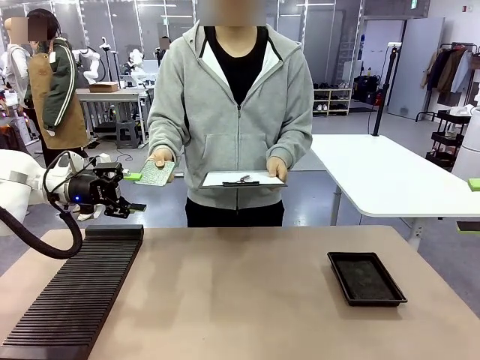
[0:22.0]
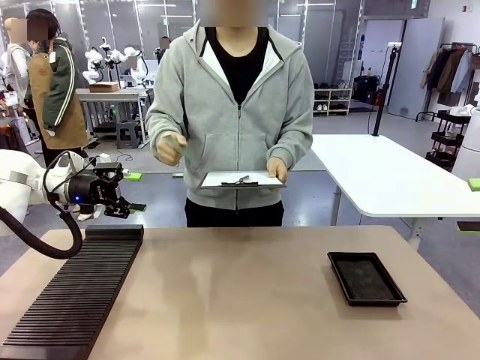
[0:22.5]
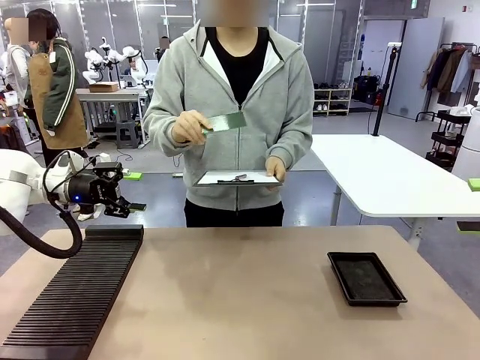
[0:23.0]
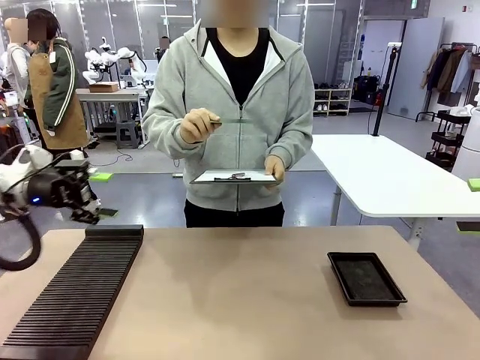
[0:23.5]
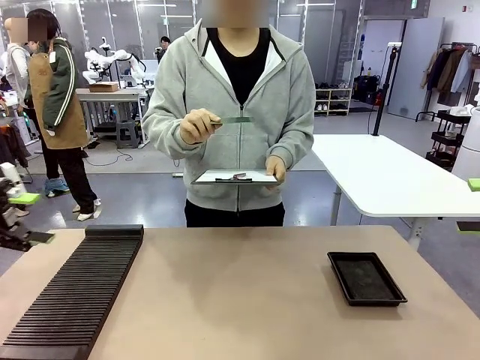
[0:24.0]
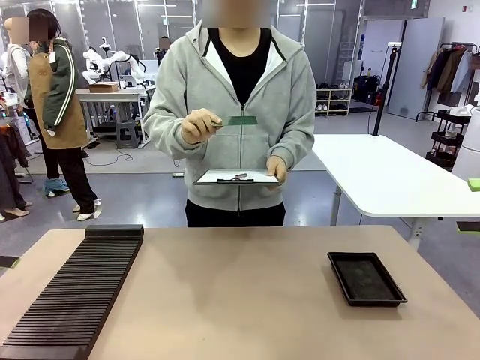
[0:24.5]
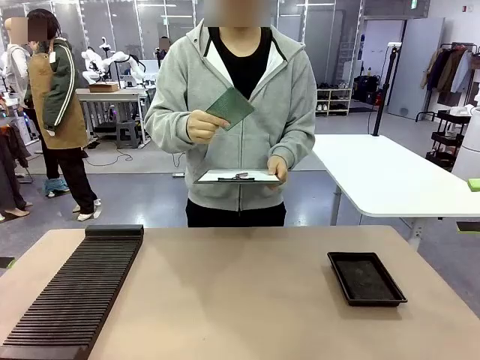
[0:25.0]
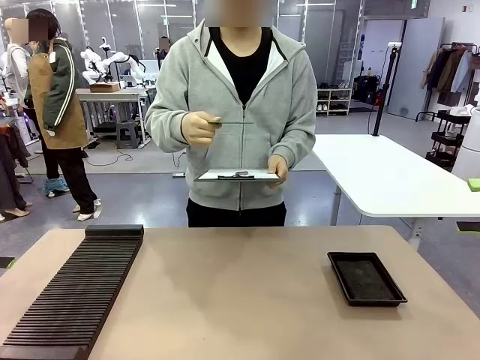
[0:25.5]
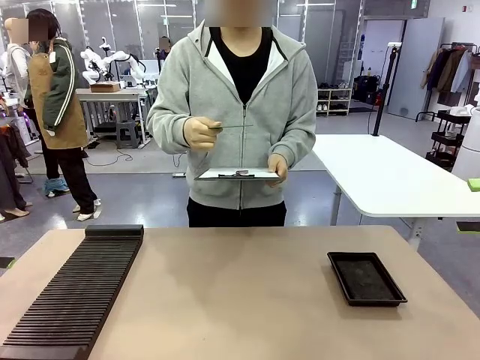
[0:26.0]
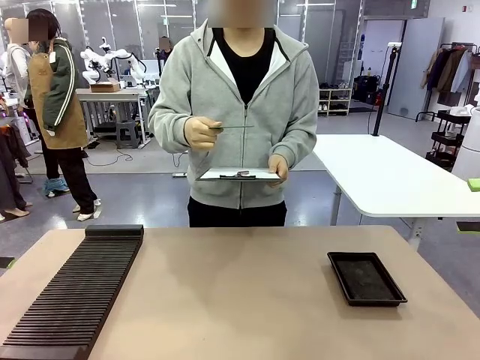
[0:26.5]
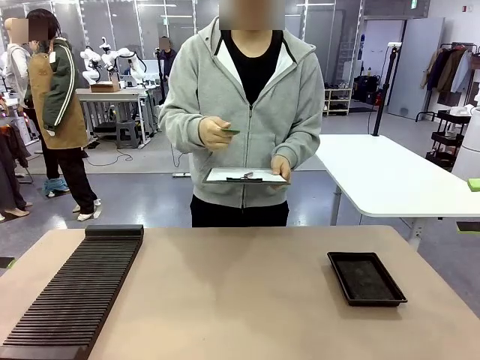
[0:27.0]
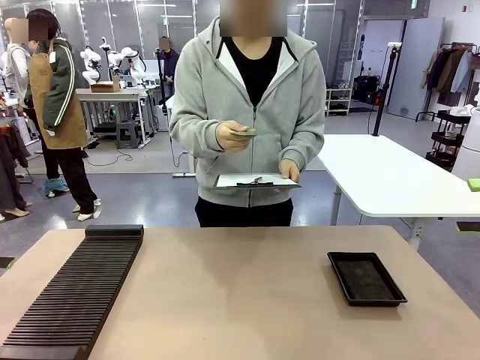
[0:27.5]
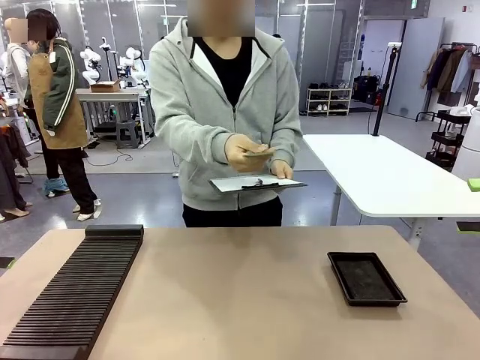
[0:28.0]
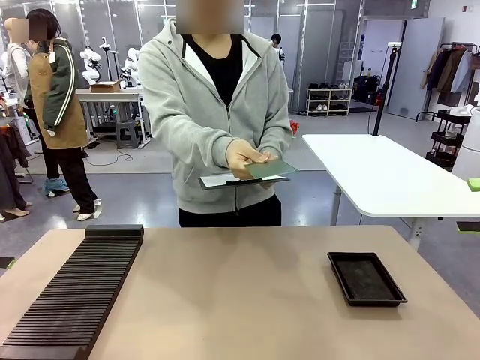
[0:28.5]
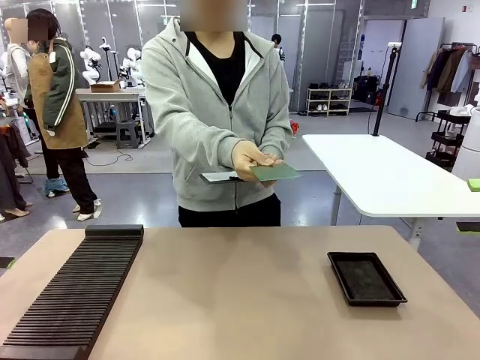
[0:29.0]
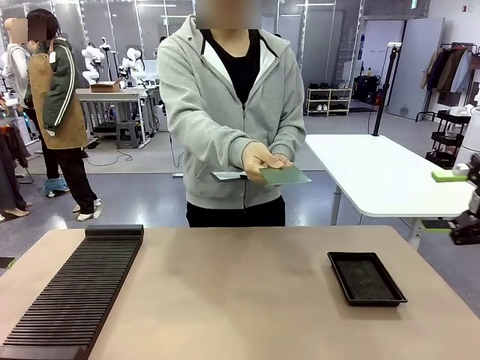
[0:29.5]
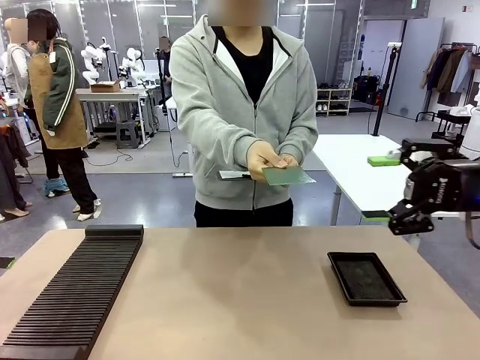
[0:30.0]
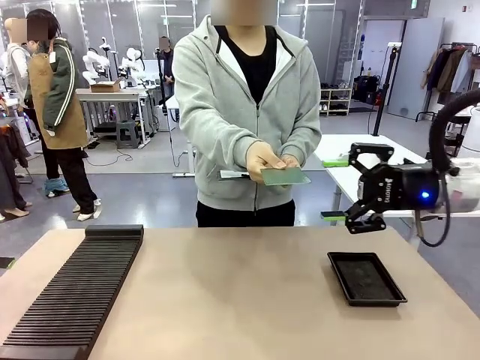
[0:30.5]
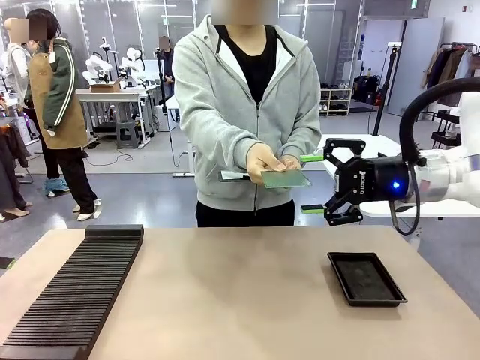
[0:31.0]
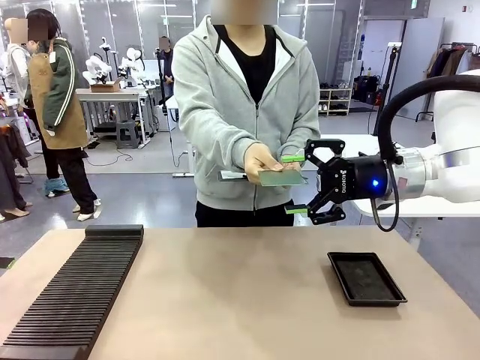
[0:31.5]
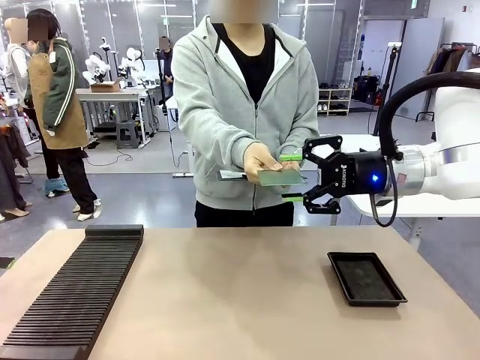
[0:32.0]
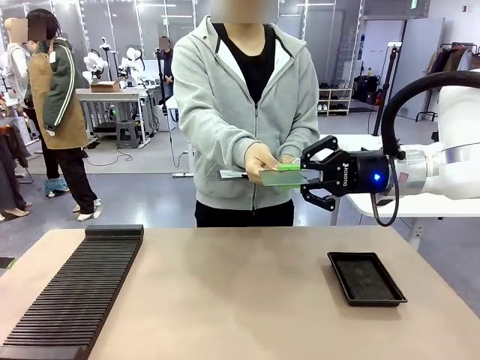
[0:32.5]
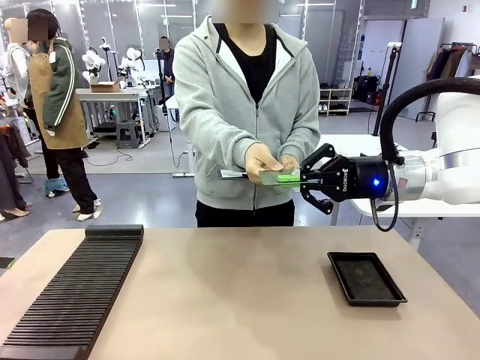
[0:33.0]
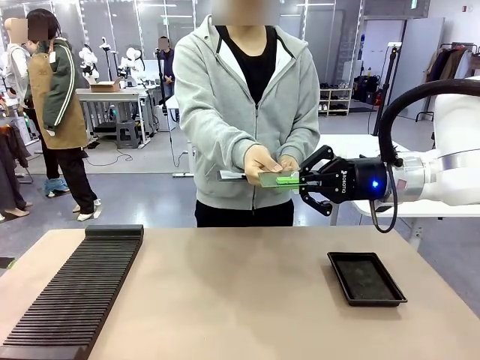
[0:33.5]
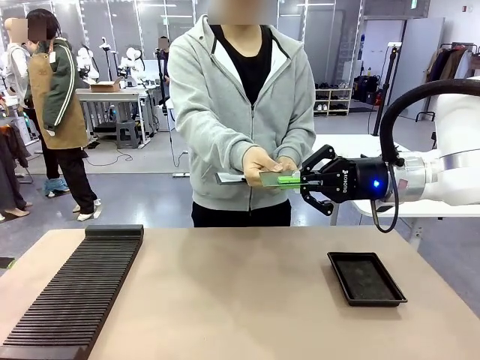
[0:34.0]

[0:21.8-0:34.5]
Task: Inspect the PCB.
Robot: Pick up the Blank PCB that the human is holding.
Person: Inspect the PCB placed by the robot, then hold it out in front of the robot. Release the PCB you were holding.

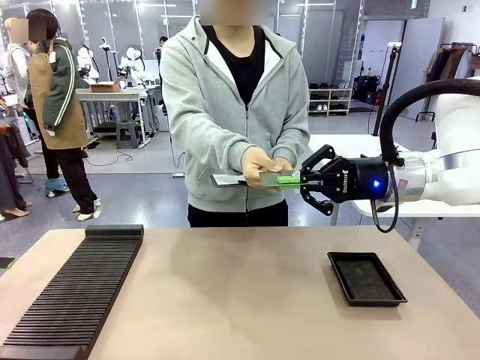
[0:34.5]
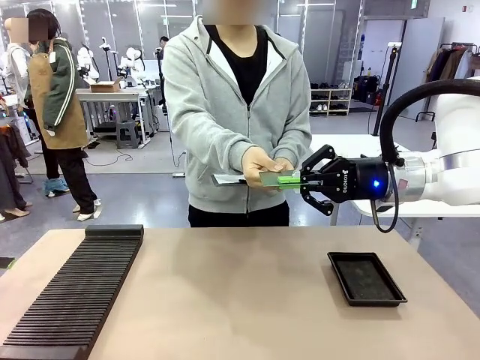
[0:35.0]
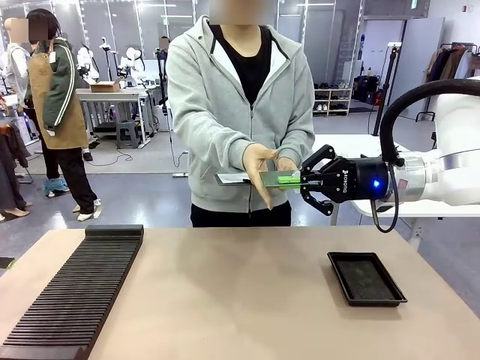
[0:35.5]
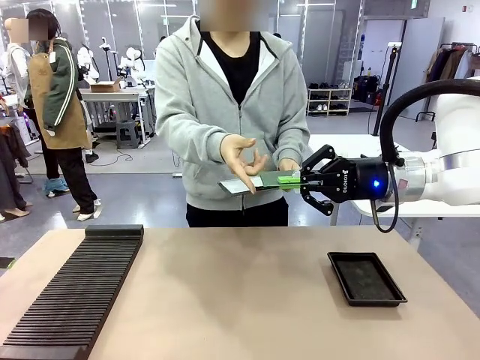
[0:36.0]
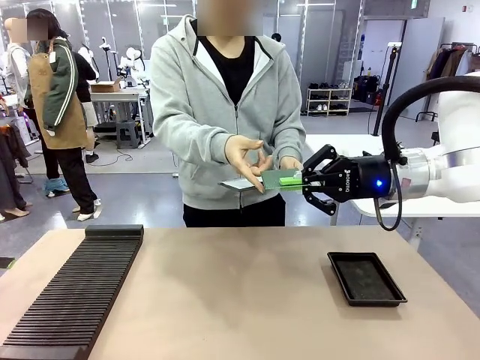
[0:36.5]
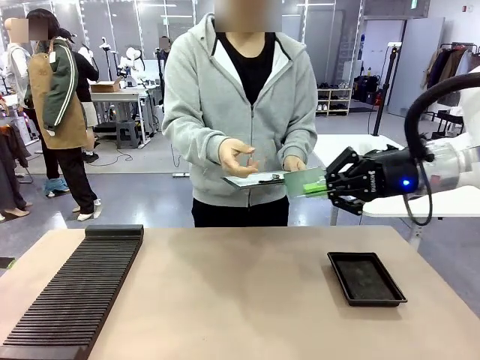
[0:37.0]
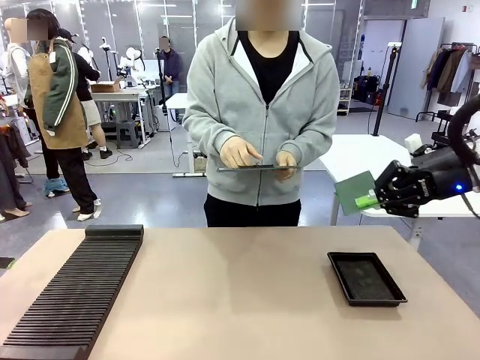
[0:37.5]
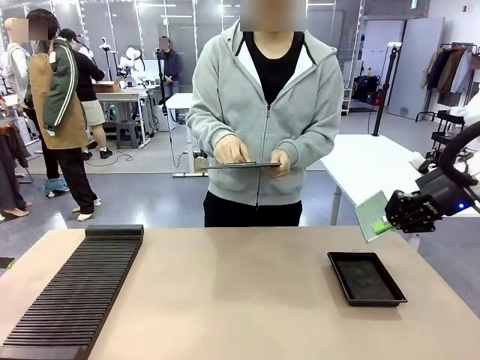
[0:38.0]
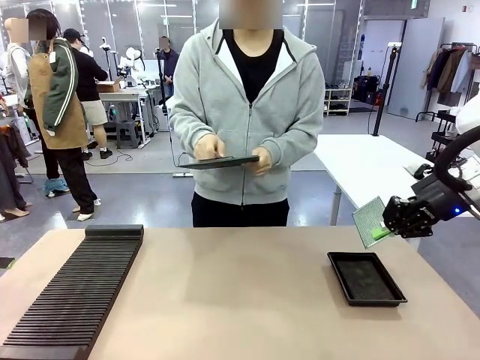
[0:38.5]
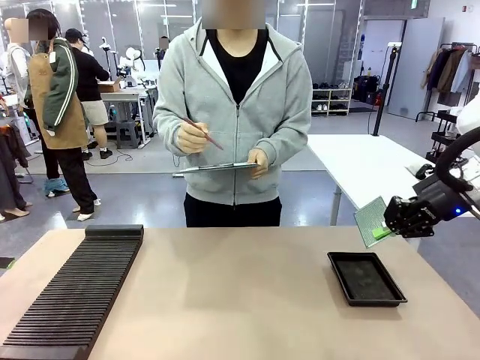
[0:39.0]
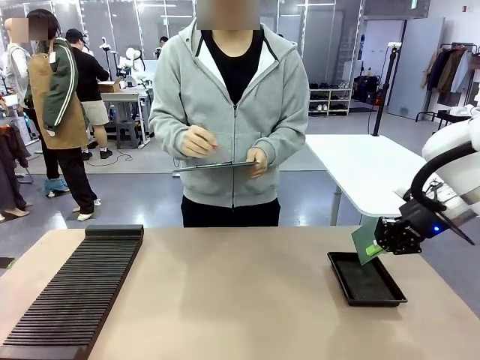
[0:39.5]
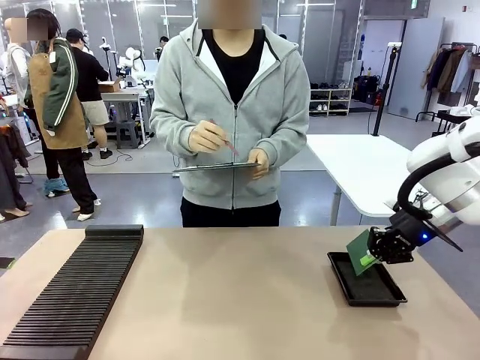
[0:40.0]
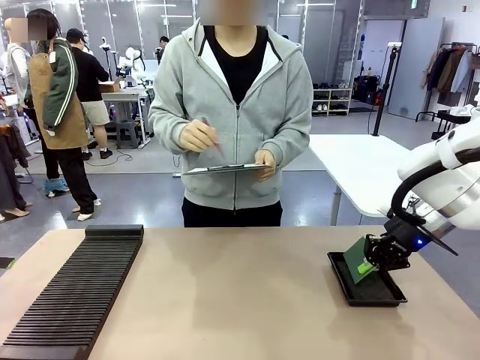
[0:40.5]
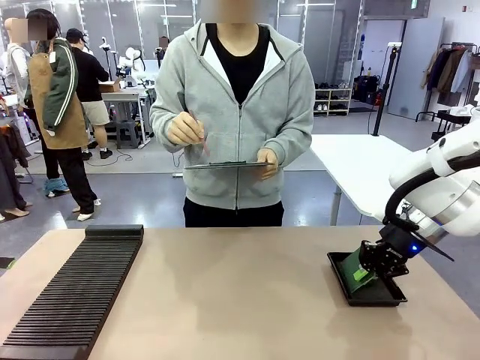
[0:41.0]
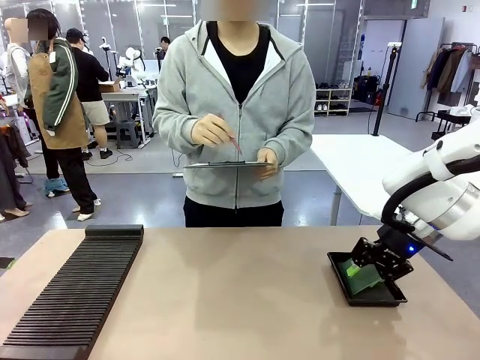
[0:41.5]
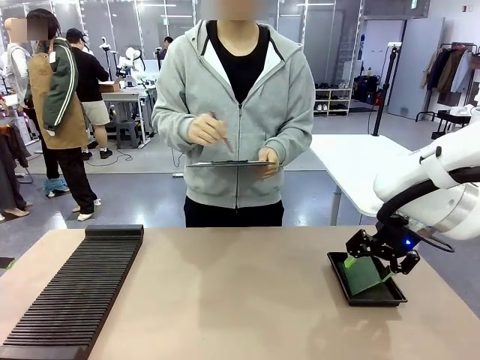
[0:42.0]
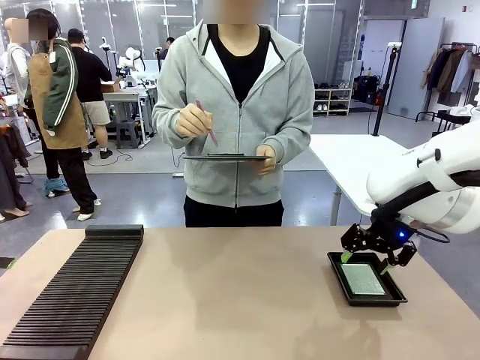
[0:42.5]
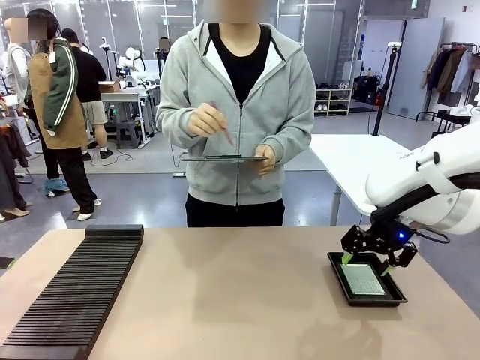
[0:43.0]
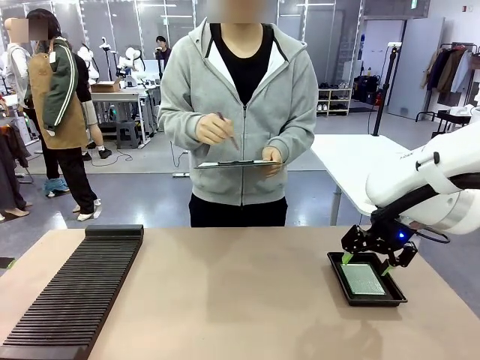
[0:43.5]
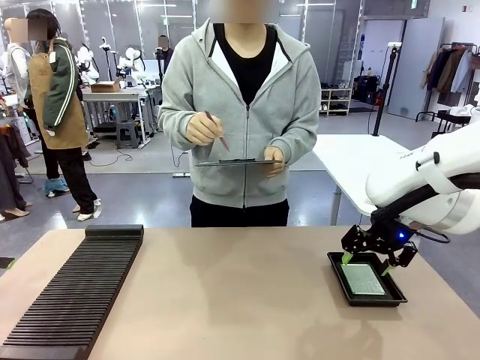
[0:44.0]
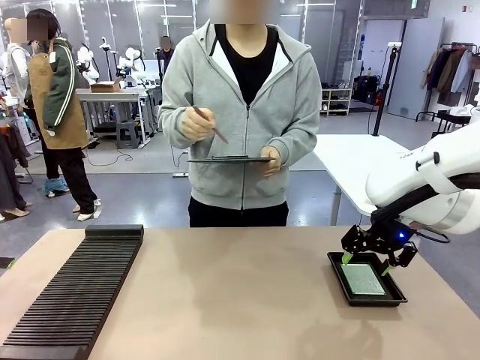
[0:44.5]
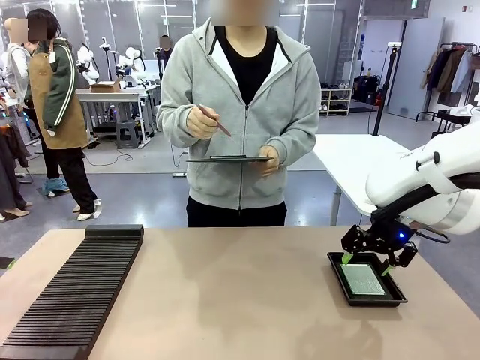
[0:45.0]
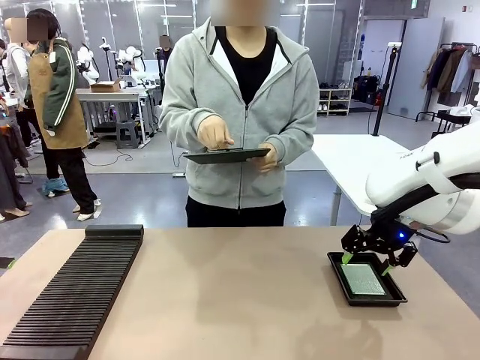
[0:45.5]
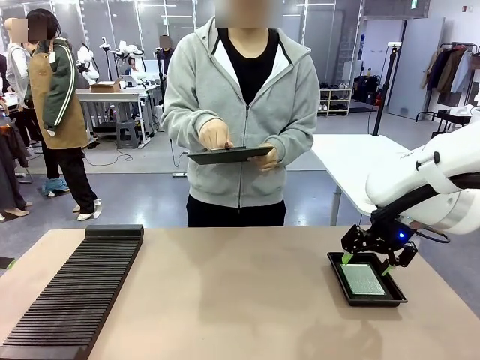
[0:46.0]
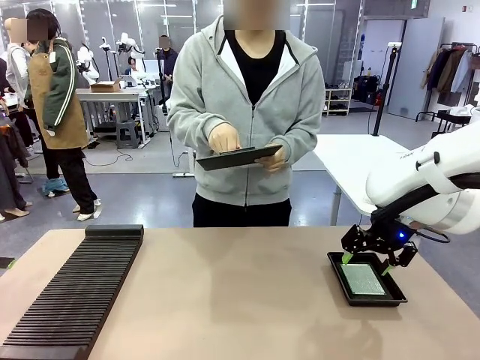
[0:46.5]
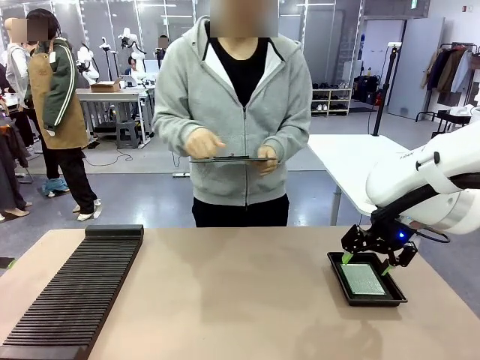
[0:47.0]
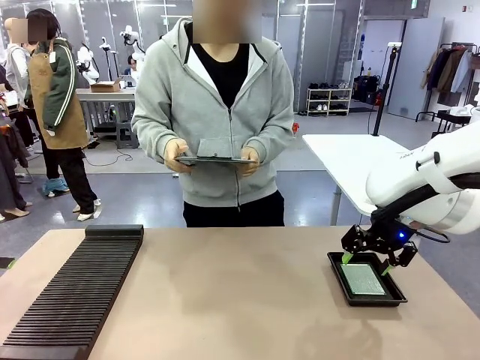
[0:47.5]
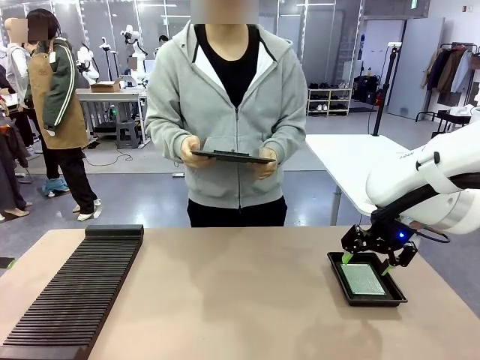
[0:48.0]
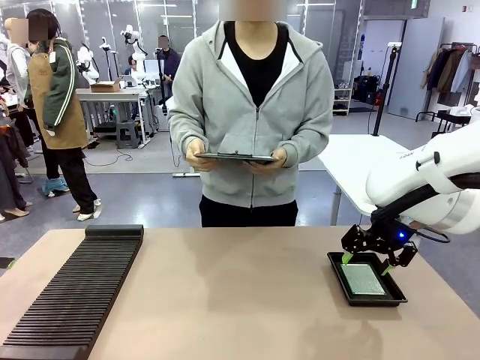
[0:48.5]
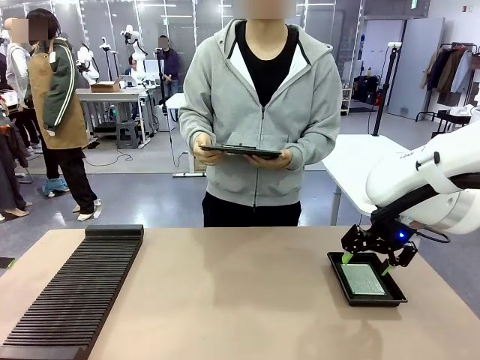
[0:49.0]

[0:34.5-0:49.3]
Robot: Place the Blank PCB in the ESD tray.
Person: Record the PCB status on the paper.
